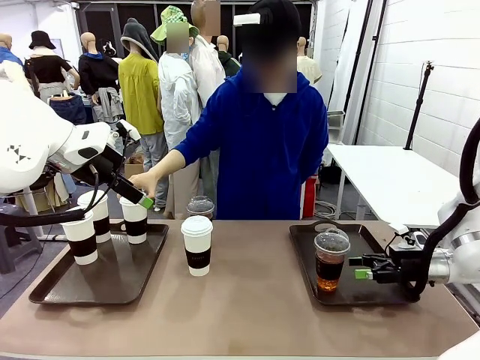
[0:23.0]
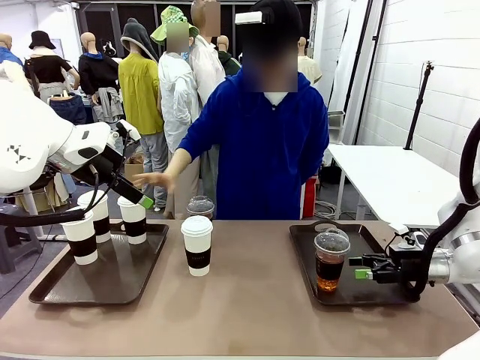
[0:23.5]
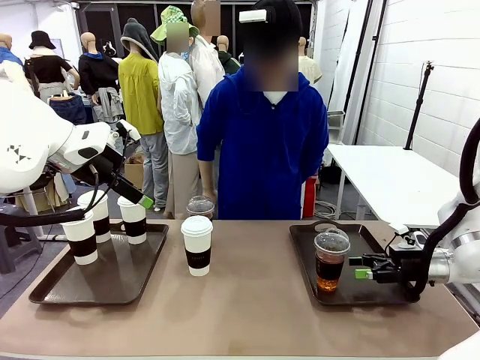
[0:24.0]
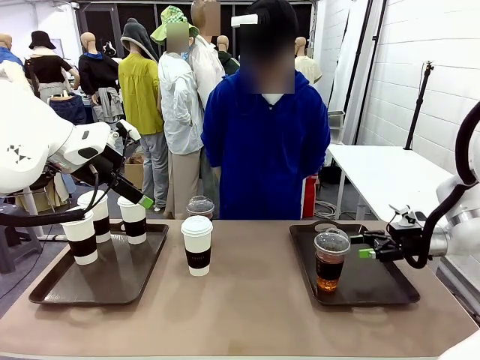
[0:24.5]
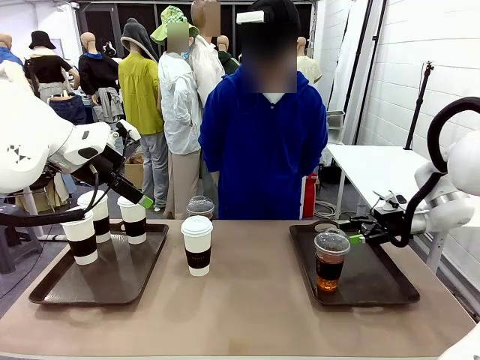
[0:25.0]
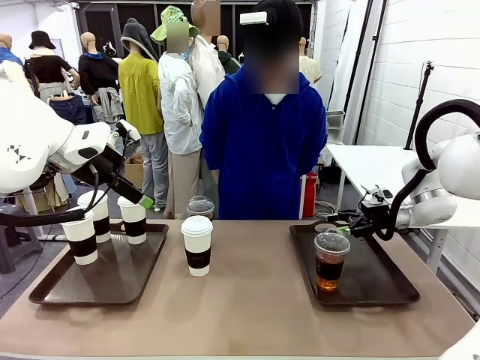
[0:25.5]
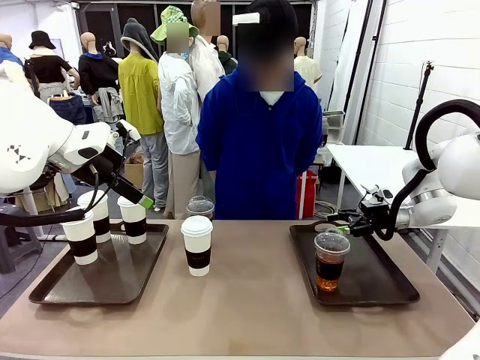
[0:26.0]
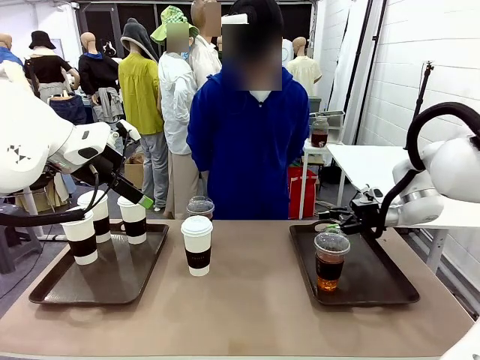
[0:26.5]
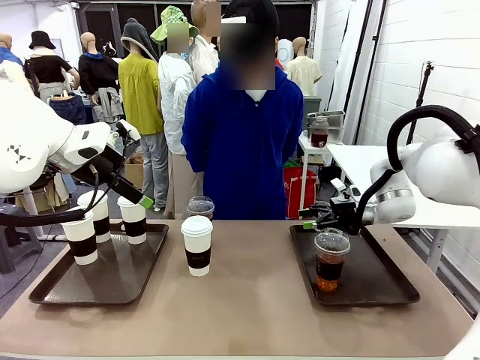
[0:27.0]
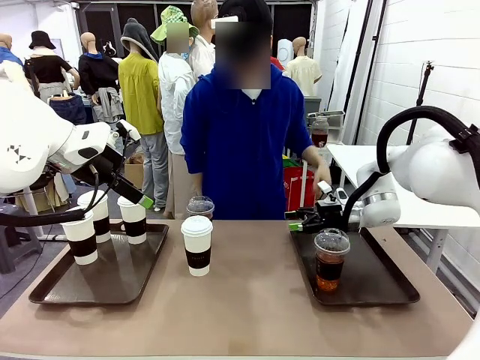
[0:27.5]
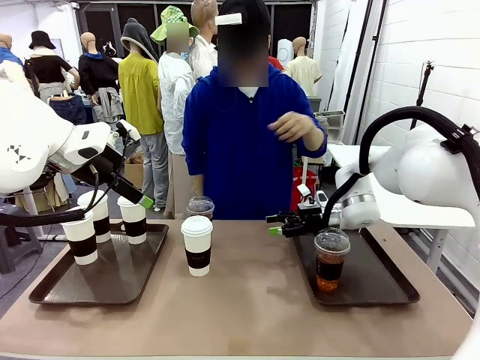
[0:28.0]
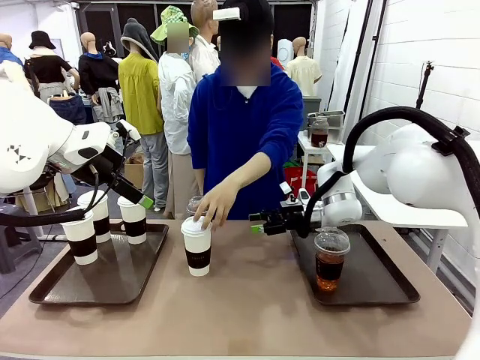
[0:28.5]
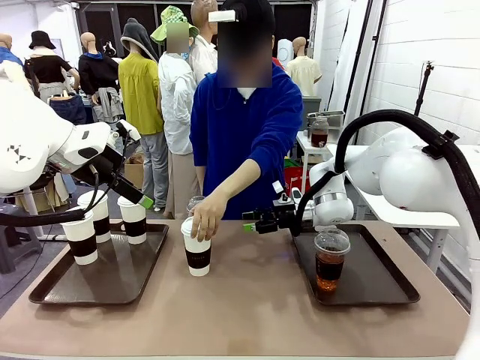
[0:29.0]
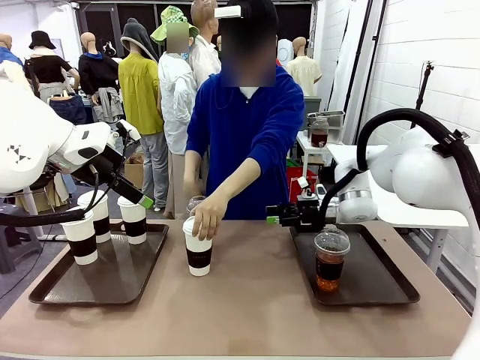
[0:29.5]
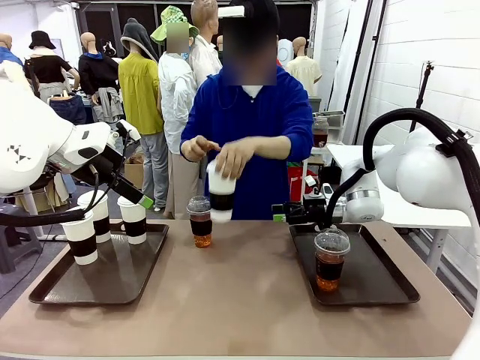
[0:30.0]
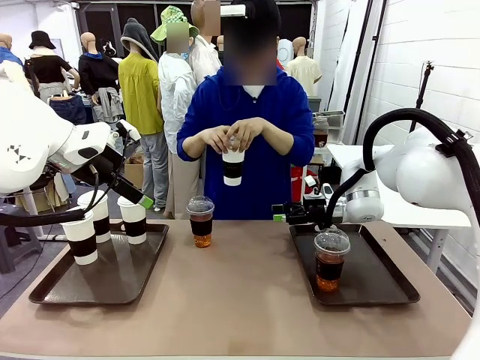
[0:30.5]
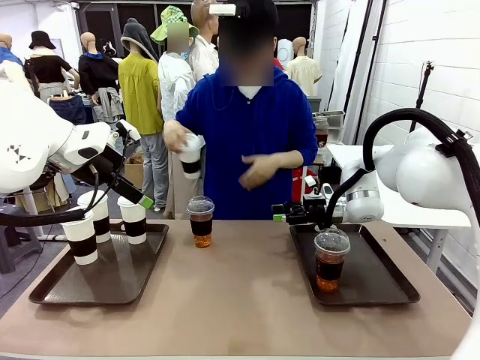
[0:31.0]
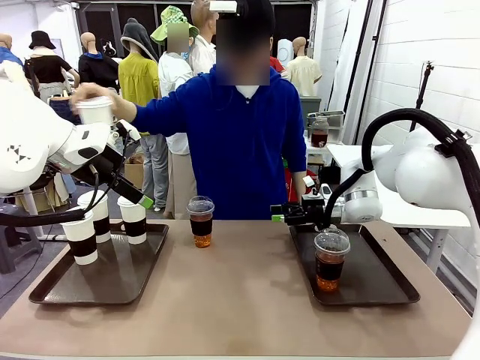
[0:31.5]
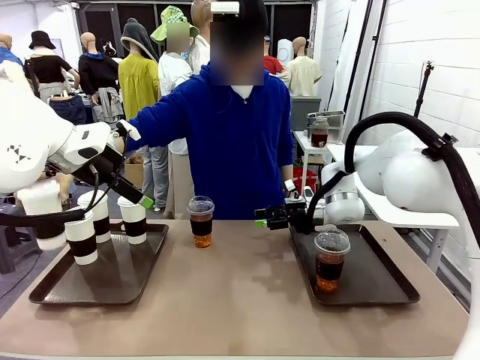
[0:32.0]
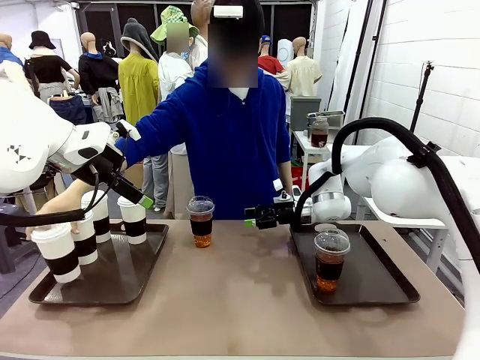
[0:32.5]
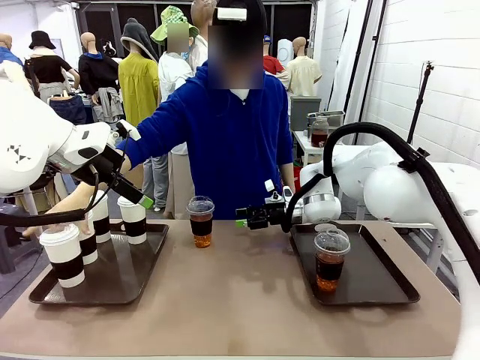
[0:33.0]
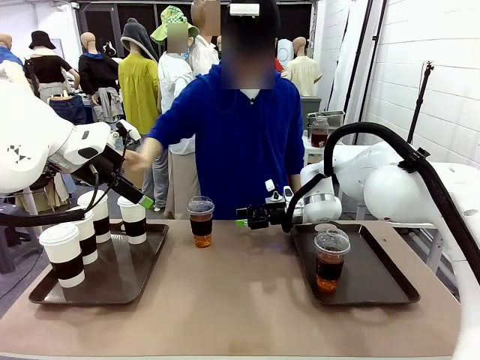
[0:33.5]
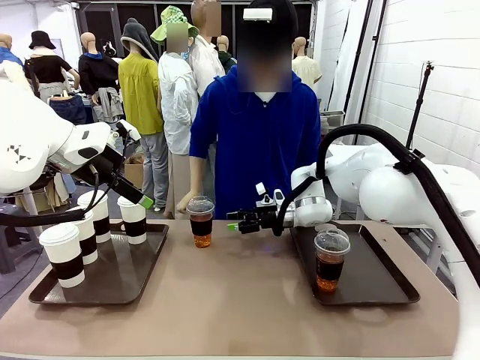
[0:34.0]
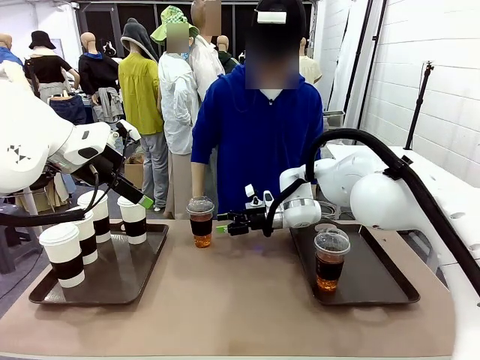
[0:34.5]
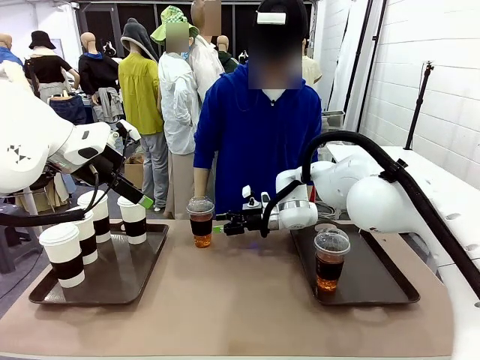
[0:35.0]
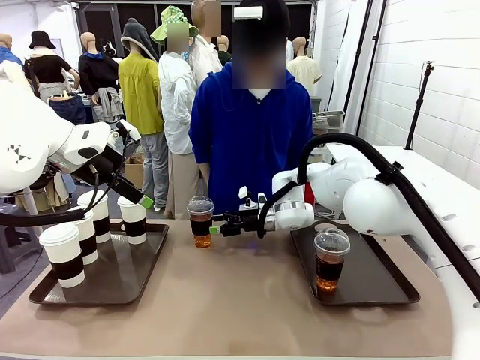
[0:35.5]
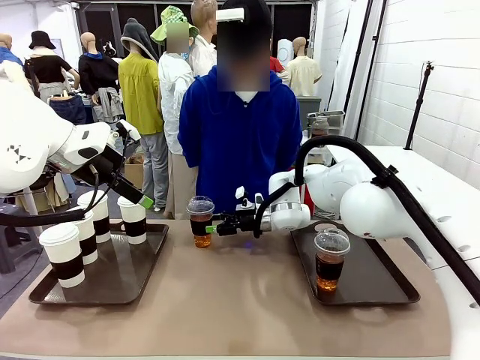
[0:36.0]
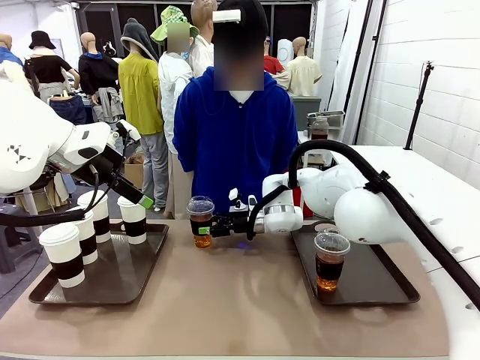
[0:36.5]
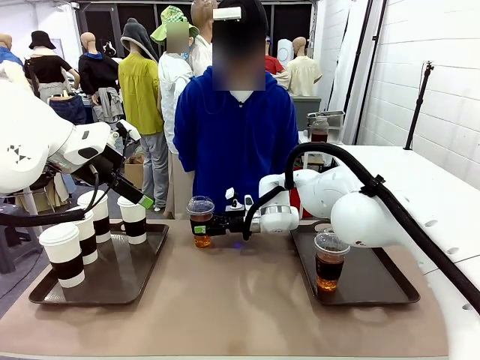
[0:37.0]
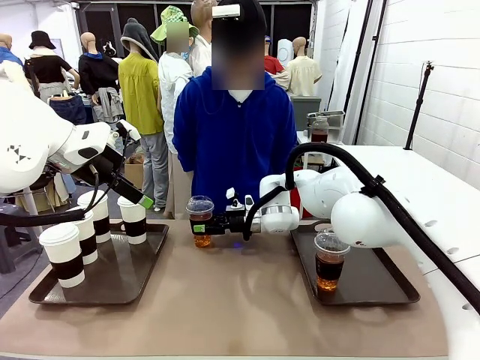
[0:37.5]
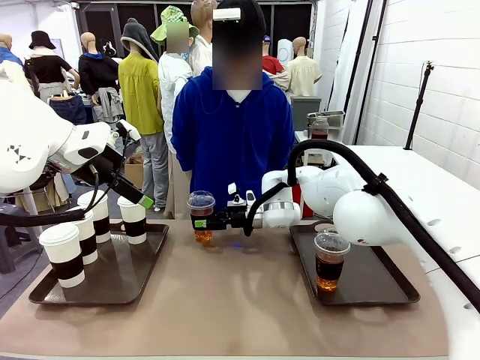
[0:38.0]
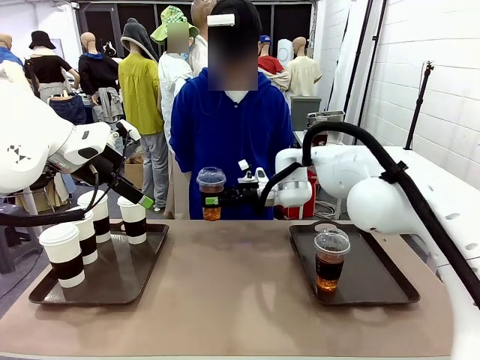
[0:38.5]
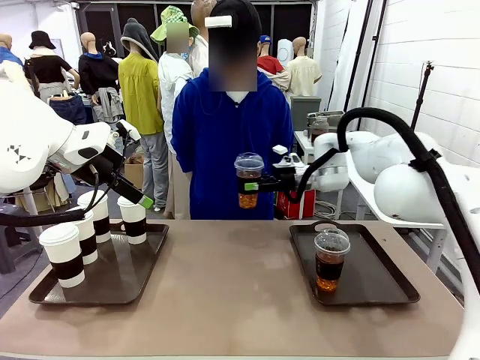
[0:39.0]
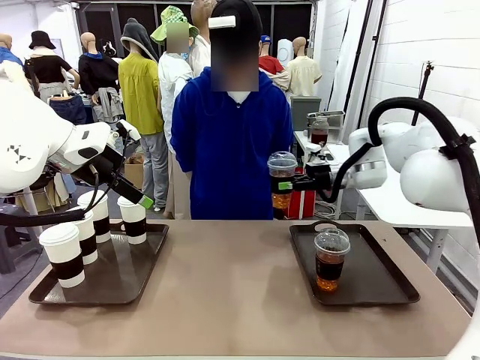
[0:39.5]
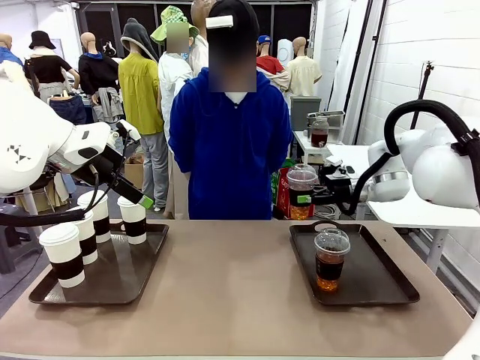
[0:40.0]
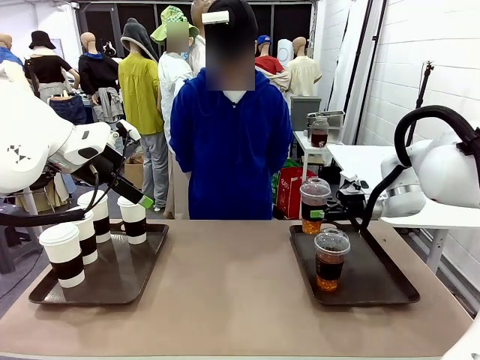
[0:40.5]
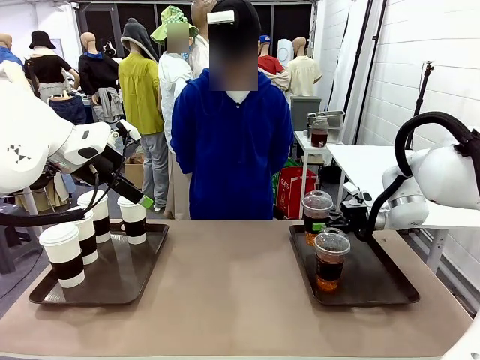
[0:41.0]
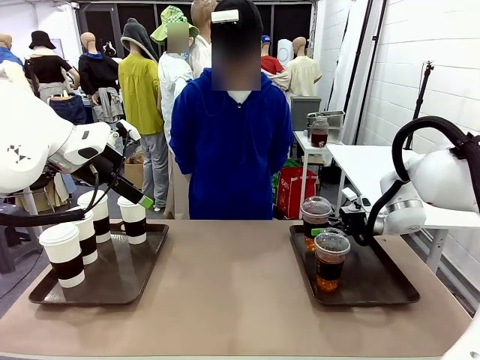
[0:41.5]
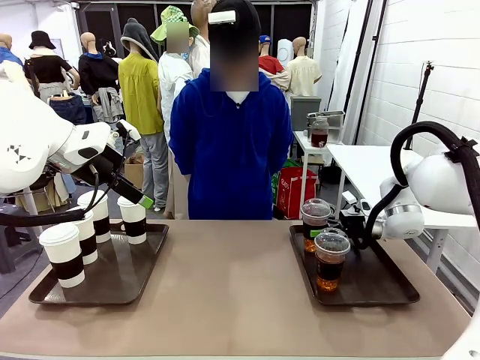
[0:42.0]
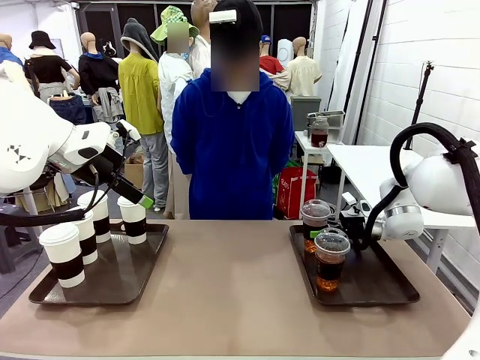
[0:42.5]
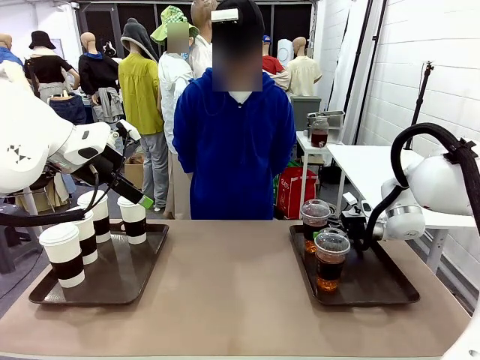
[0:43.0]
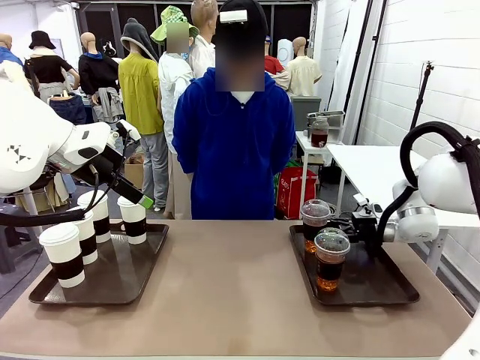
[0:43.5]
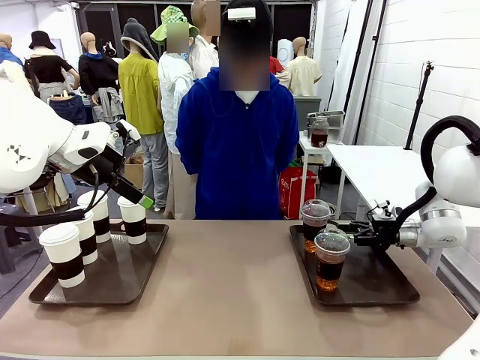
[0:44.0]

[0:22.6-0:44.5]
Task: Distribute the coffee onto the tray.
Robot: Pick up another iced Americano from the middle of the table and place it on the right Handle tray.
Person: Pick up a cup of hot Americano from the middle of the table and place it on the right tray.
